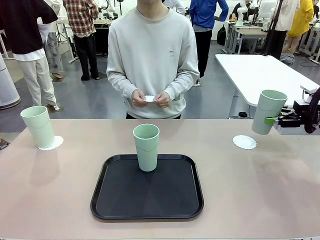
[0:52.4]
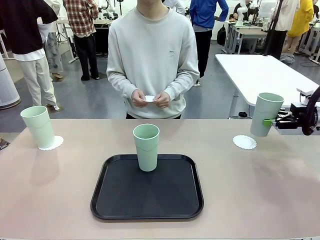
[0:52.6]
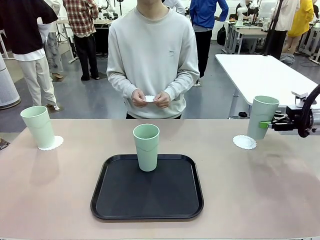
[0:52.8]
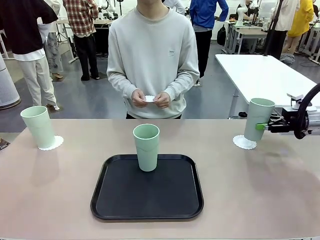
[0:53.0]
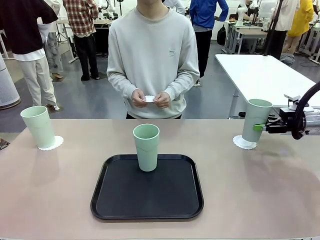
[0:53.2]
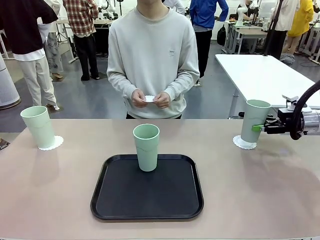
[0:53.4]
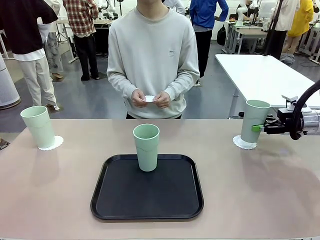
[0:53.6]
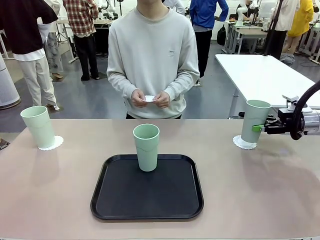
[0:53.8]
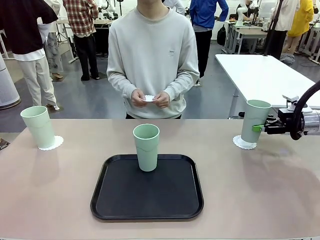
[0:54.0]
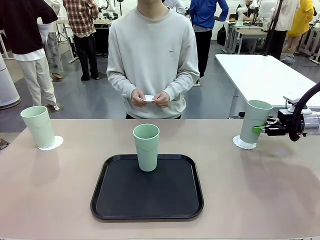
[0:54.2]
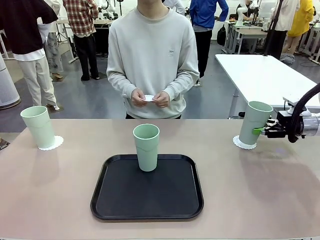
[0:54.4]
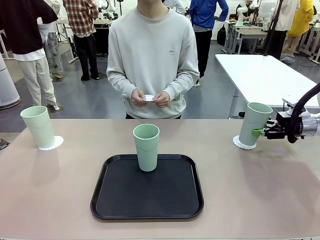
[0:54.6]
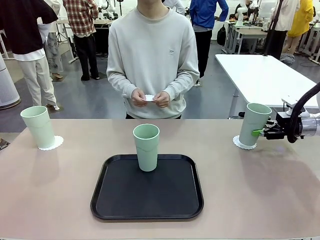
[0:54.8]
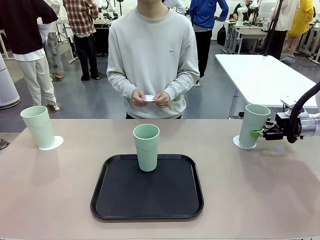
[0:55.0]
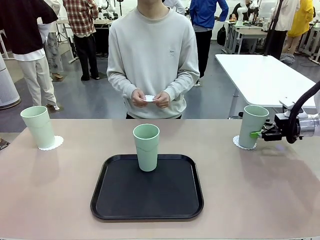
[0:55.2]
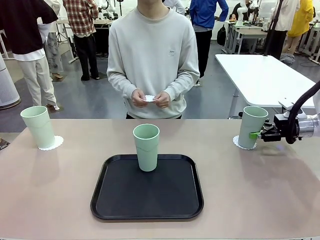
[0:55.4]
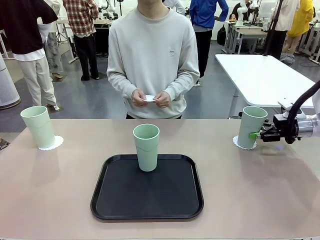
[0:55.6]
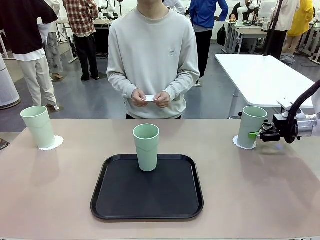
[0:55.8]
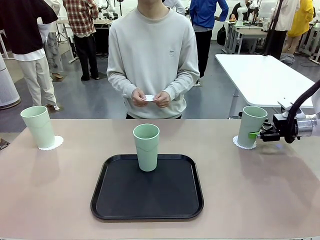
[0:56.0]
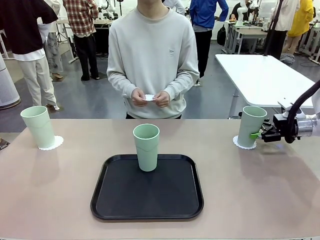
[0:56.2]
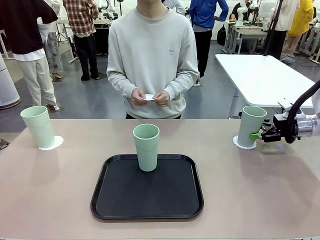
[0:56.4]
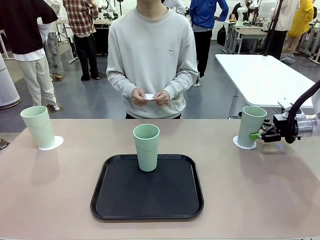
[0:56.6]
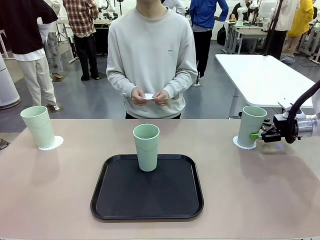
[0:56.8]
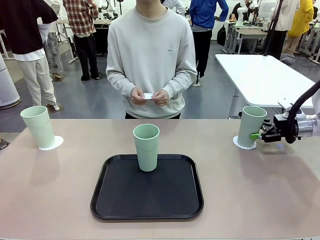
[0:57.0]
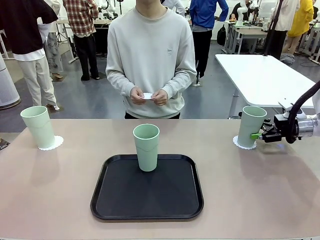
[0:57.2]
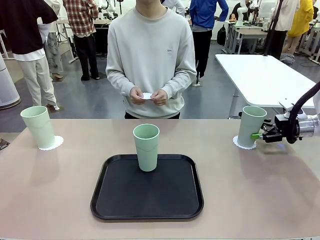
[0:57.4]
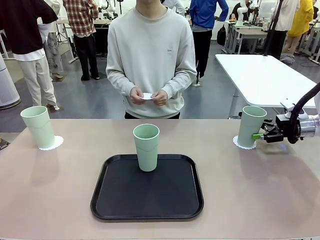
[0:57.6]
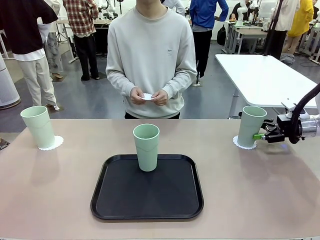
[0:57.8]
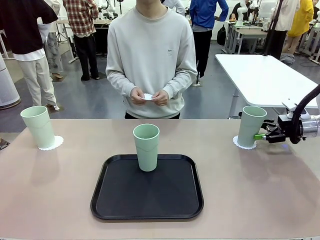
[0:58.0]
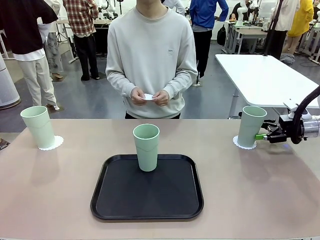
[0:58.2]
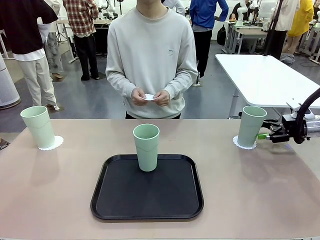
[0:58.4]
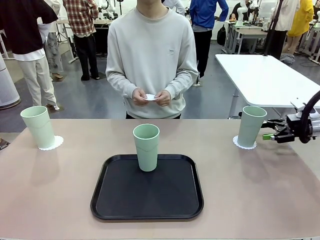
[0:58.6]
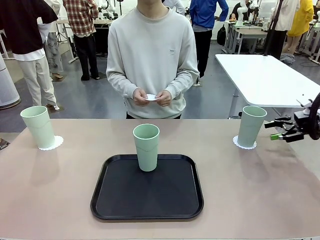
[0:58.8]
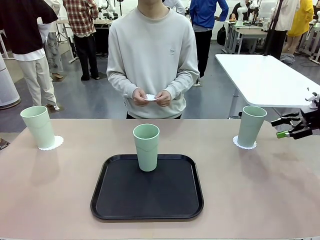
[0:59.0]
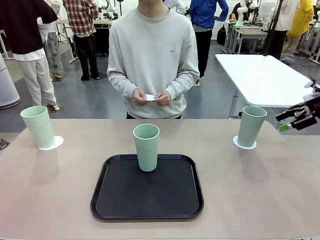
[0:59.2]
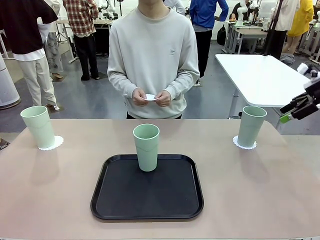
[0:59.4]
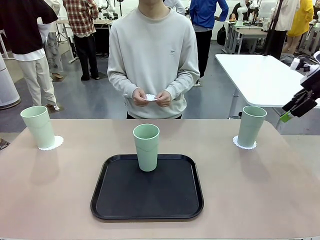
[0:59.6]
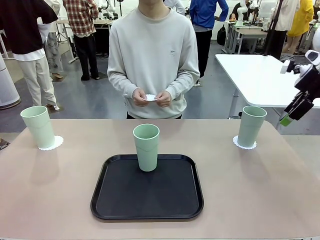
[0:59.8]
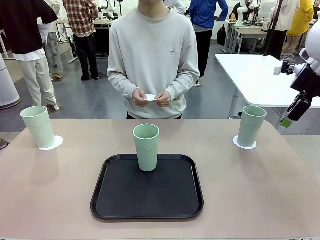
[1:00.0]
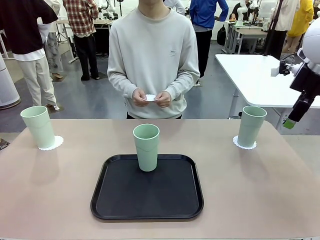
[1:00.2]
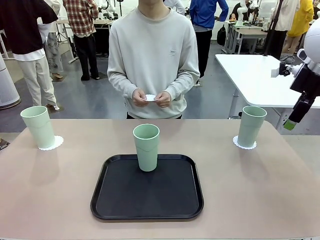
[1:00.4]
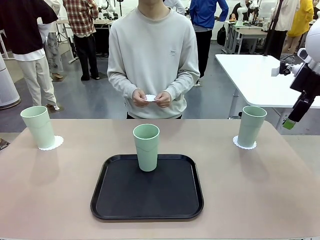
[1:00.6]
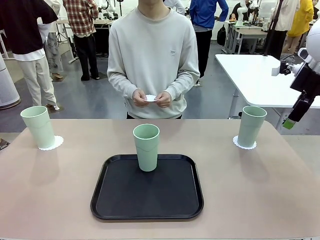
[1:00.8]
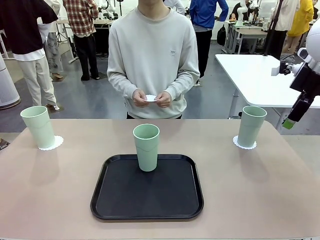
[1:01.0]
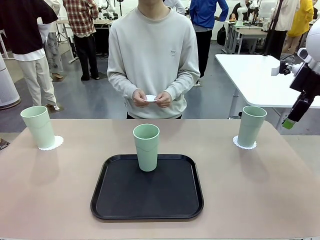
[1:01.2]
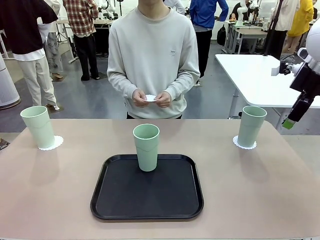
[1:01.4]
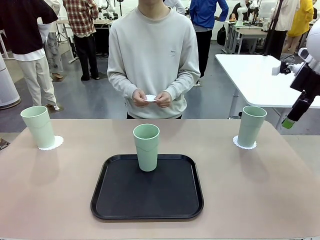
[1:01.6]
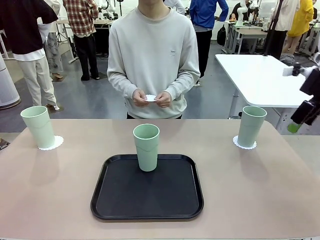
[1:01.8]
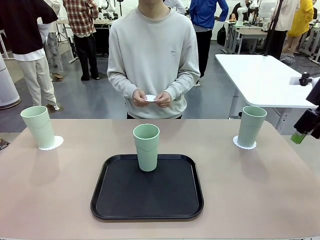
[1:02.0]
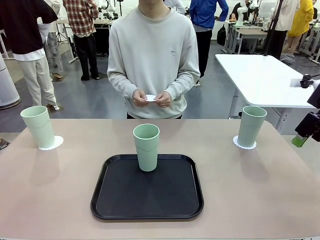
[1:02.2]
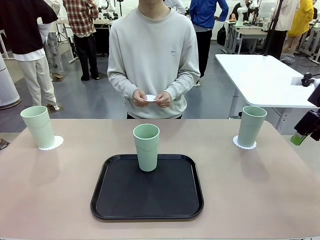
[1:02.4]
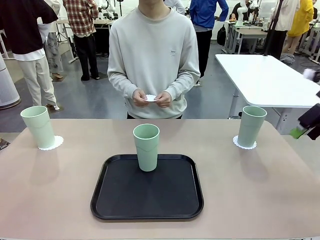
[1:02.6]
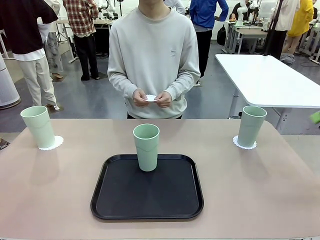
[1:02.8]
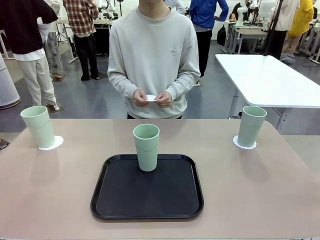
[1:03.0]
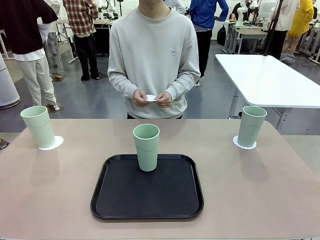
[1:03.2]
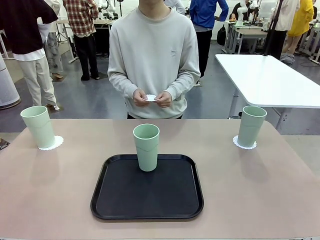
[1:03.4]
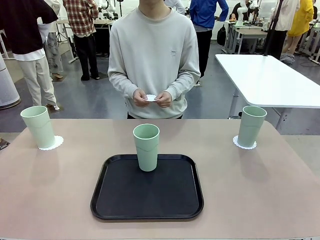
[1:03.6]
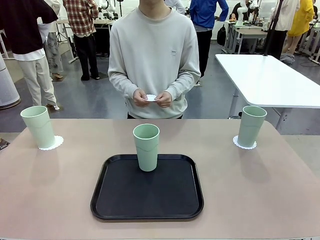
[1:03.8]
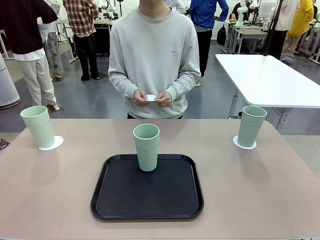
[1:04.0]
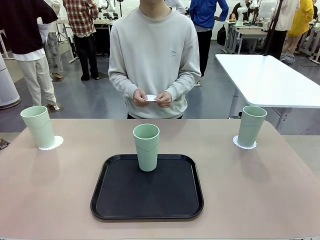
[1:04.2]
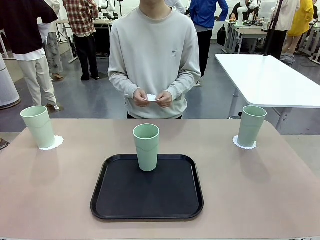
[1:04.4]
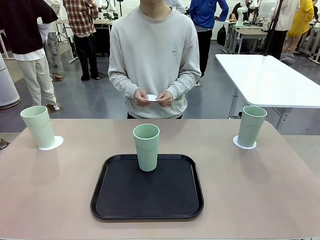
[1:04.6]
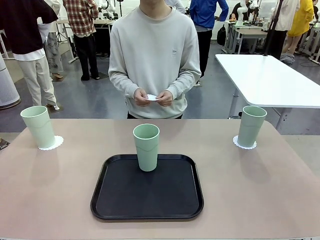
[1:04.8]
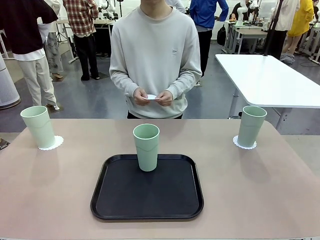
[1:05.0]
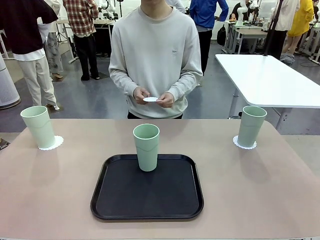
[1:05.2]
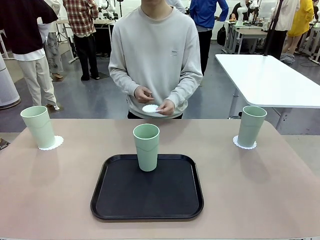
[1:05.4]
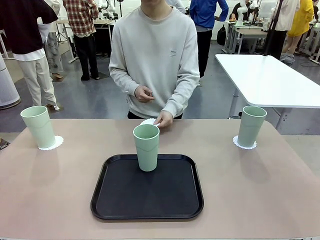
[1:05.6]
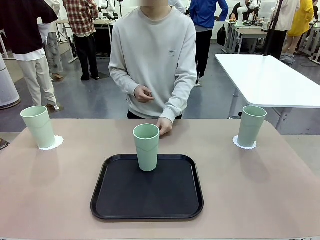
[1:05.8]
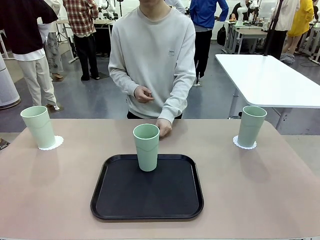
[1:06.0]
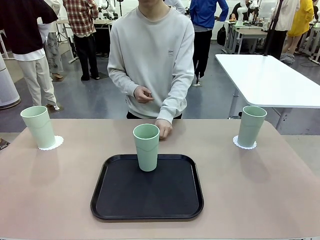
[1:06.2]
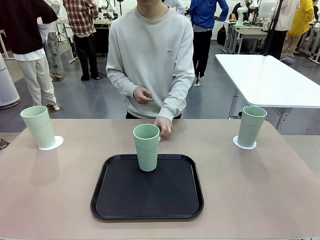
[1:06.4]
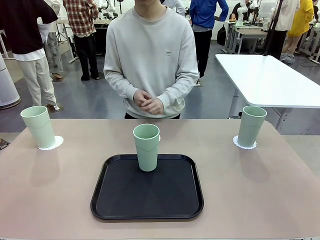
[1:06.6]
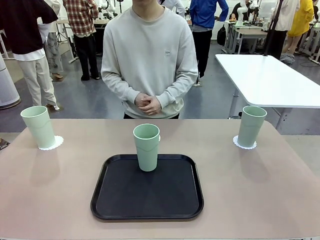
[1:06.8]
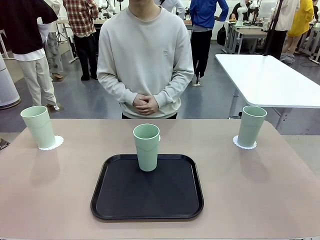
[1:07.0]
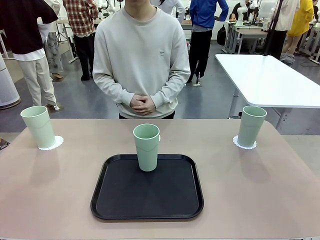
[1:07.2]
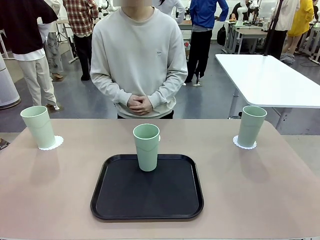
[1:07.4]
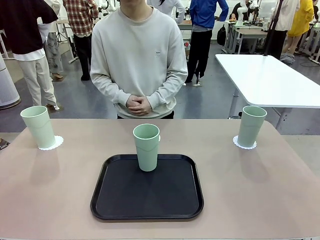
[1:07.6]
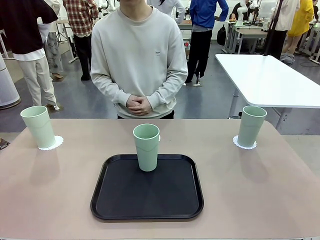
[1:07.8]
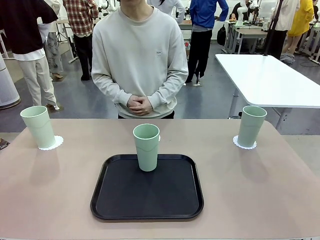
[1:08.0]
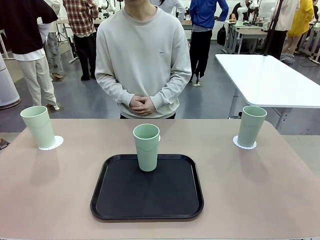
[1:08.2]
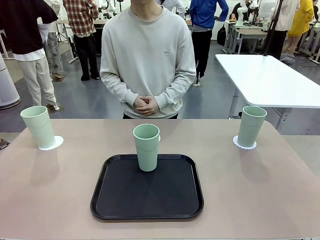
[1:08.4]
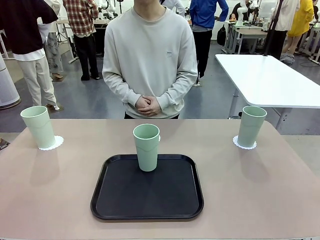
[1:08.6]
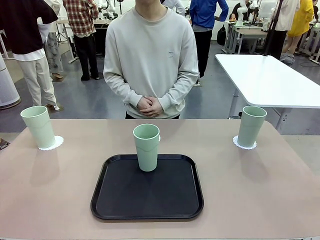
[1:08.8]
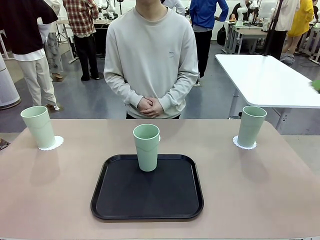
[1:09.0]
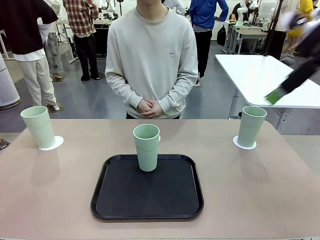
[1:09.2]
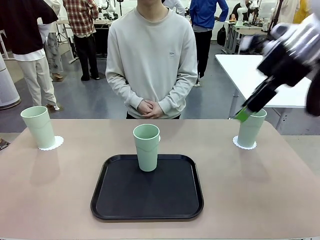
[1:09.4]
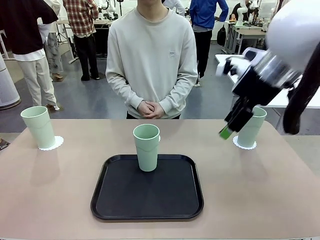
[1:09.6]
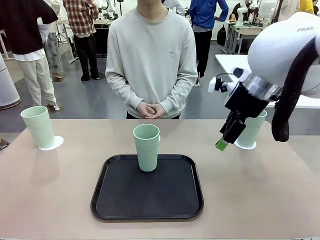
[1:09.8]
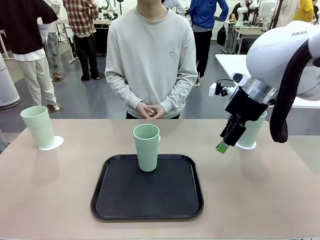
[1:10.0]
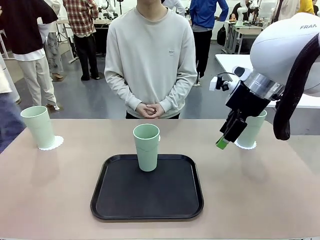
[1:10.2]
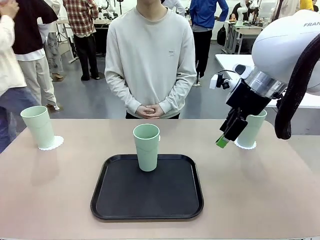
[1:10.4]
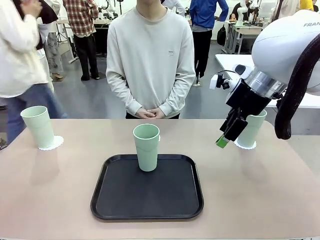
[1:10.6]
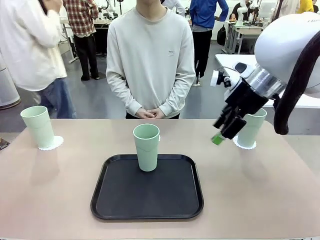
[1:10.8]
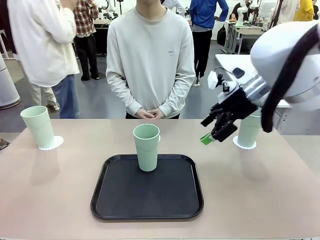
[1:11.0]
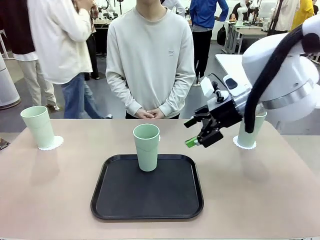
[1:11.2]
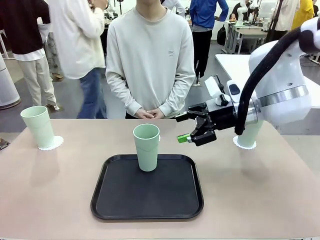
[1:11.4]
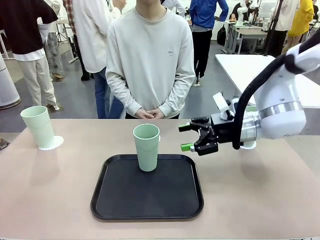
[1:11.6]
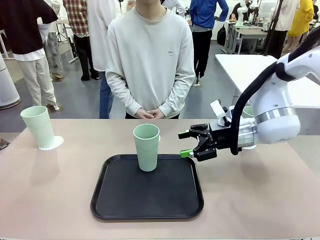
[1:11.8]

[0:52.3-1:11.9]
Task: Place coasters on the table and set cups on them.
Robot: Take one Reusable plastic cup from the Flat Tray and place it on a coaster set by the human.
